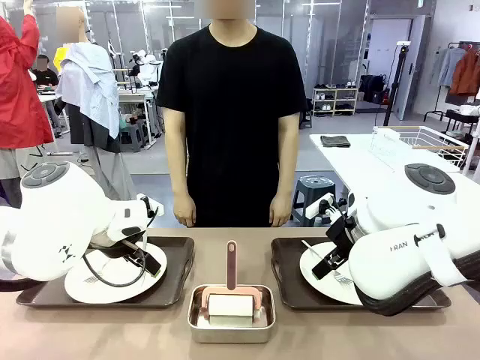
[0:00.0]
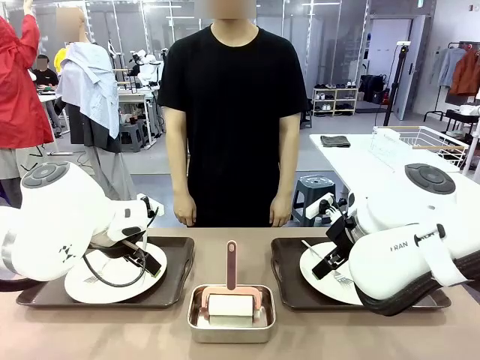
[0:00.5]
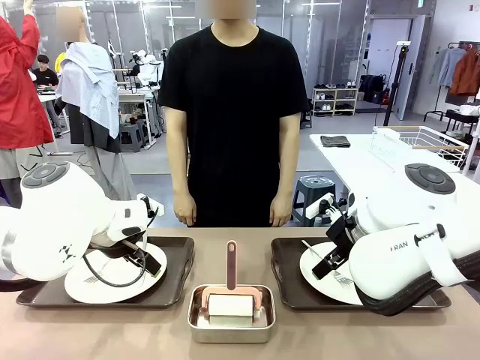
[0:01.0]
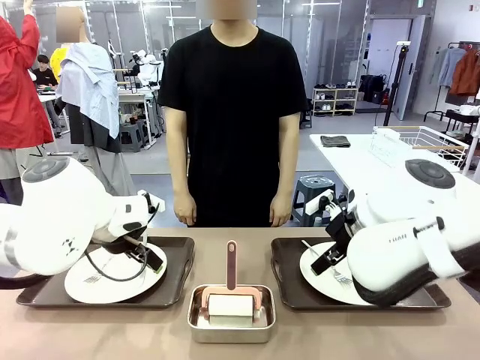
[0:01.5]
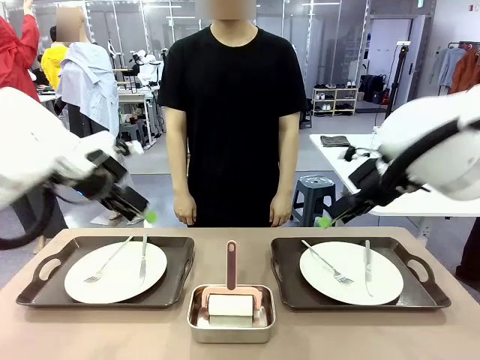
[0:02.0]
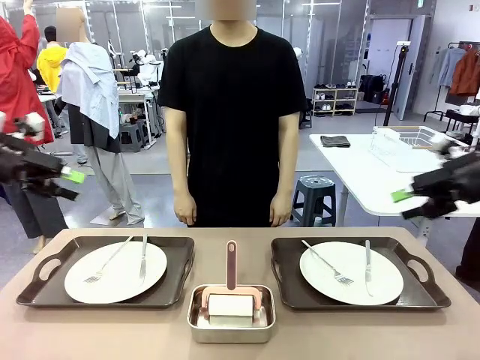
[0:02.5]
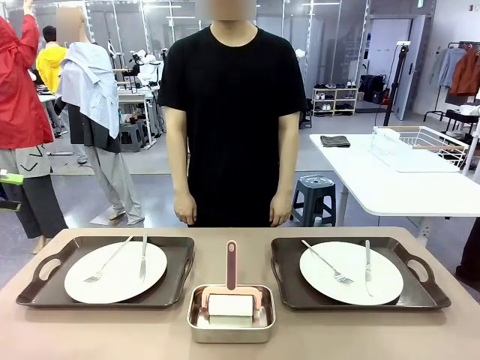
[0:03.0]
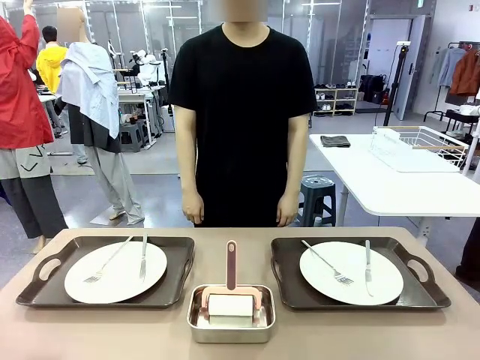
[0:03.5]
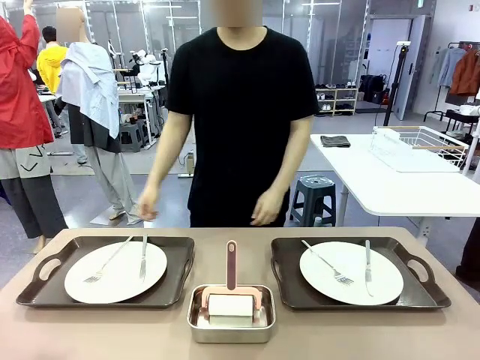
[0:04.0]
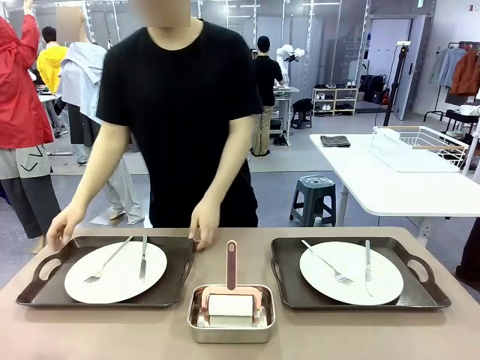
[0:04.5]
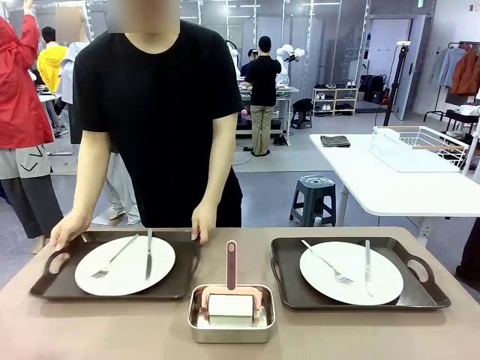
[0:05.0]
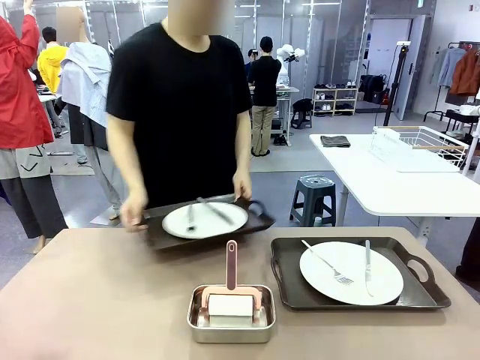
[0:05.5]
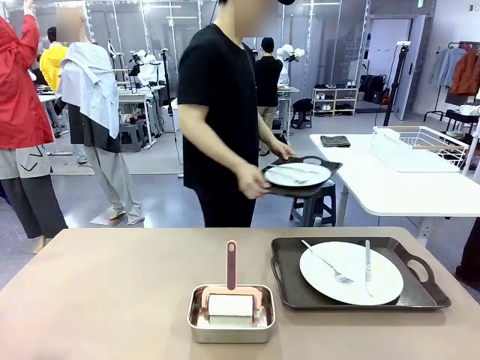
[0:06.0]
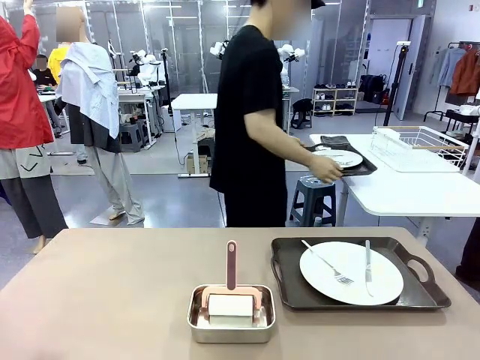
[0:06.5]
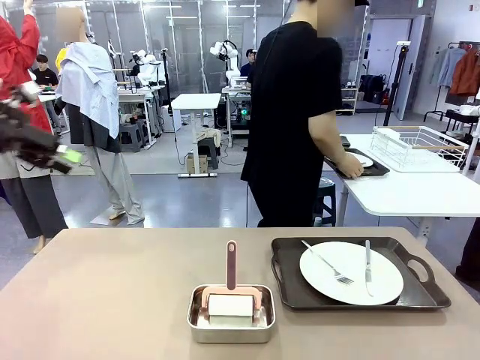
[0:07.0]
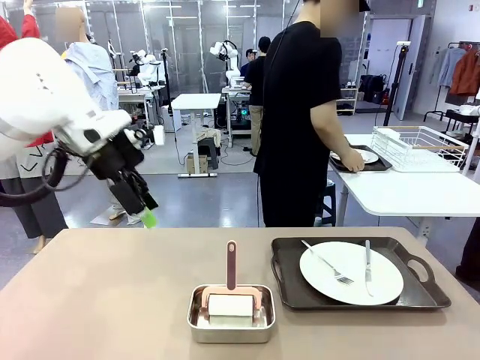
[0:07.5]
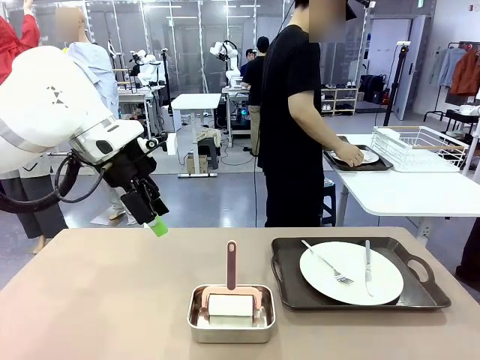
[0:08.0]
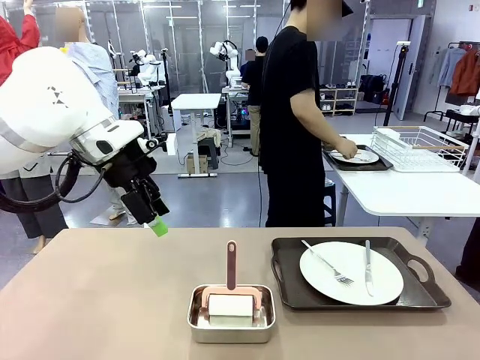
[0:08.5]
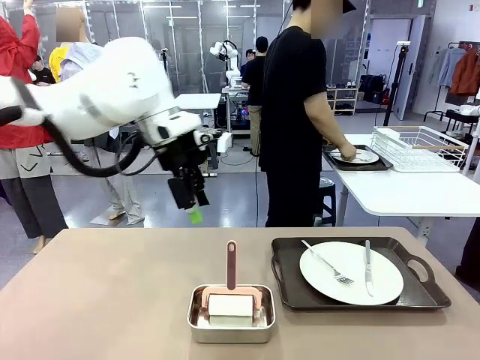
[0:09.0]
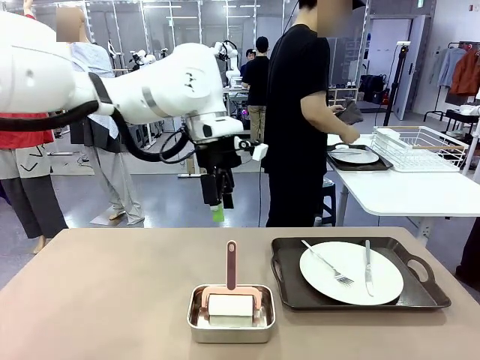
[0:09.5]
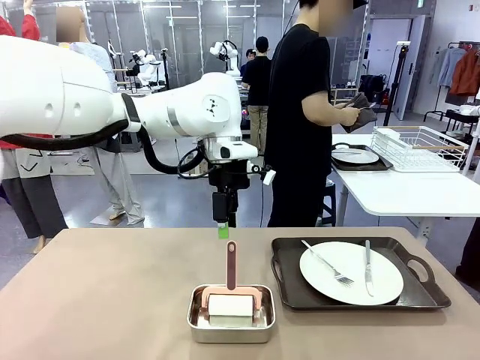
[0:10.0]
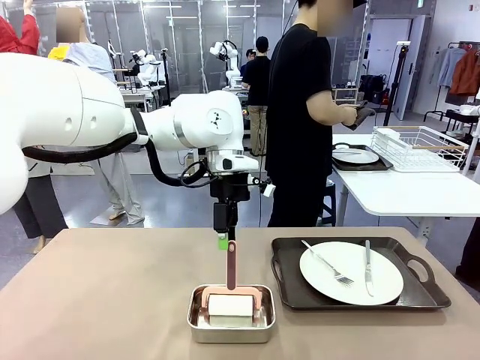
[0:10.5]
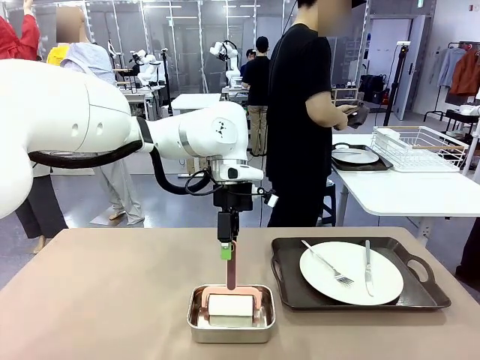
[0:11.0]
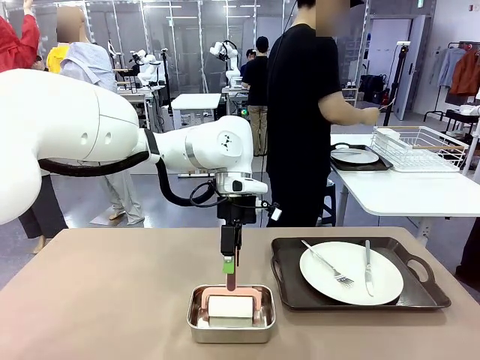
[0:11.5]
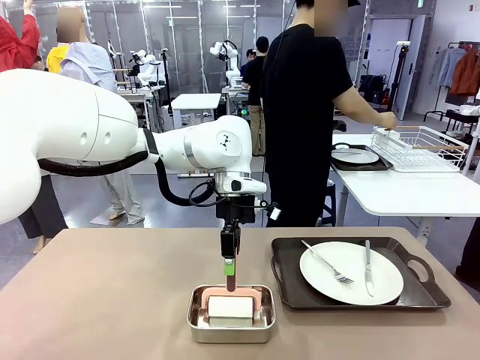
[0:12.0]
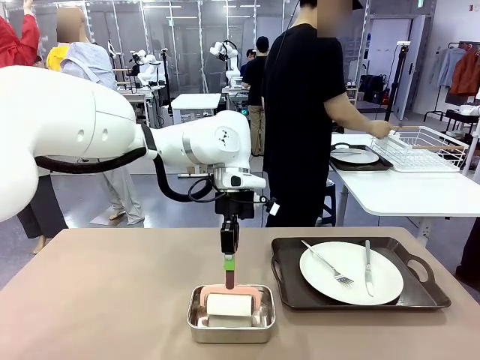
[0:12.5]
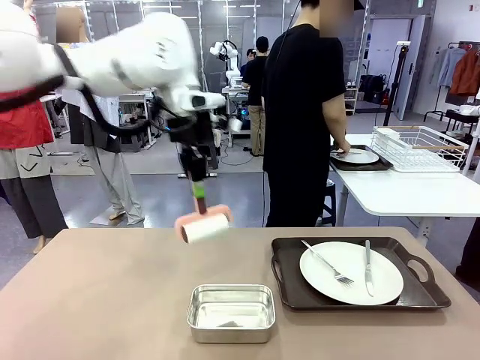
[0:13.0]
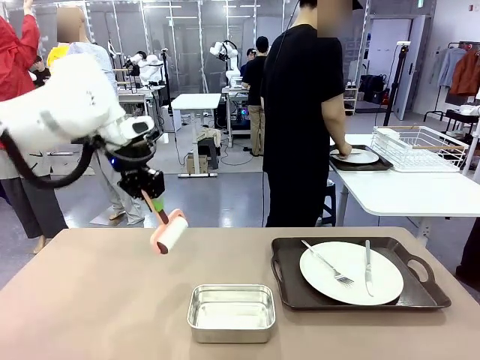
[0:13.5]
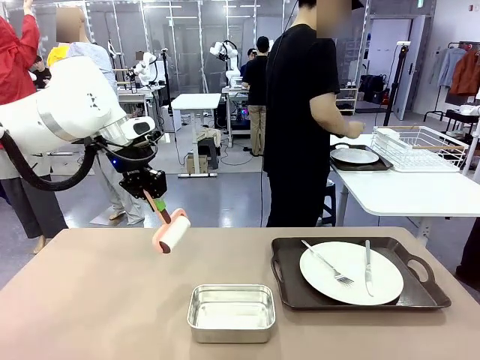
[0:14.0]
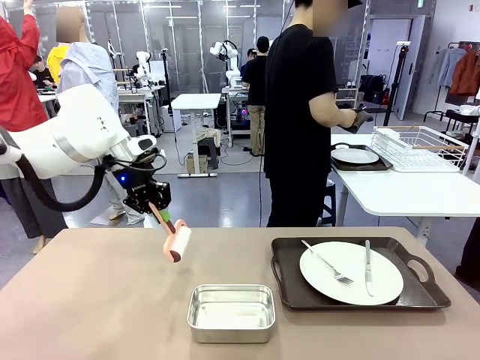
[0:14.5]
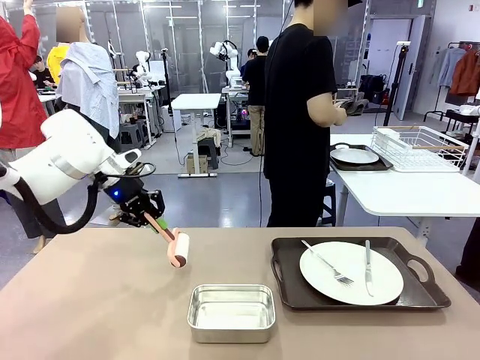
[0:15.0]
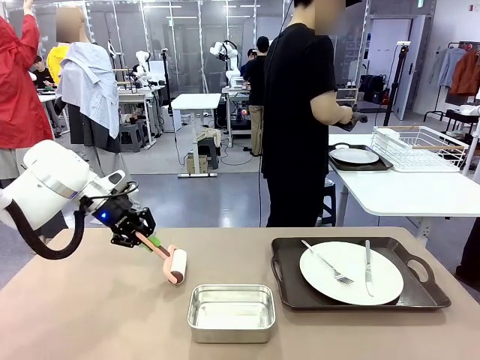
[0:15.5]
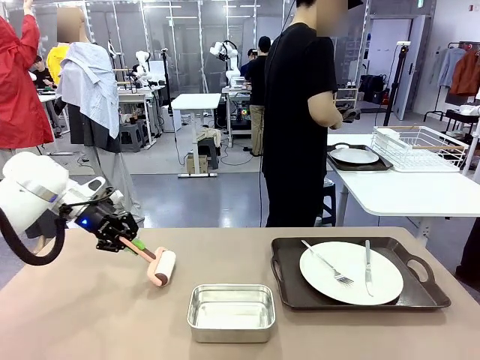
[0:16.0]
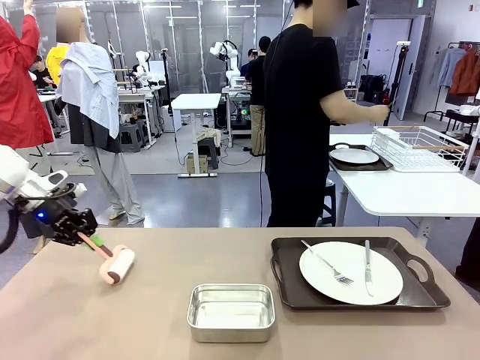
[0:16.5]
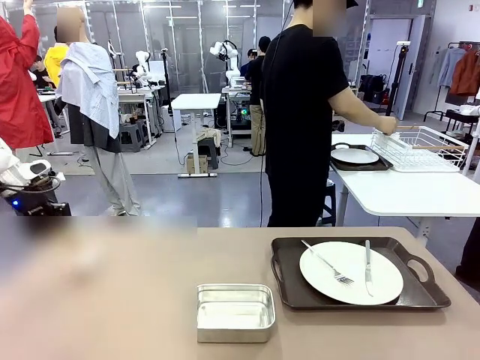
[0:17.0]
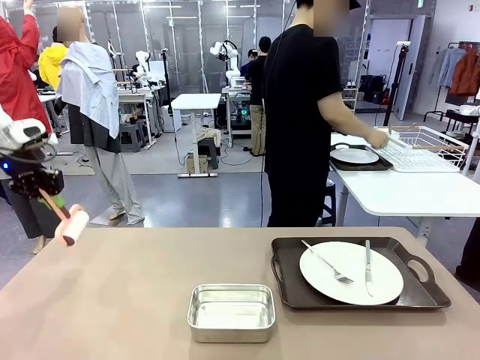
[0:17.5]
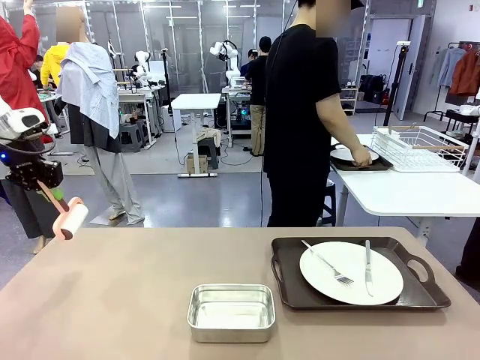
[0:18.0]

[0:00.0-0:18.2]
Robot: When the left (or right) Handle tray is removed, use the left hand (or right hand) to clean the left (or right) side of the table with the Lint Roller.
Person: Pick up the left (or right) Handle tray and place it on the middle of the Human's table. Use the Towel with hook to wipe the Plastic Matte Plate , Fork , and Knife and place into the Dish drying rack.

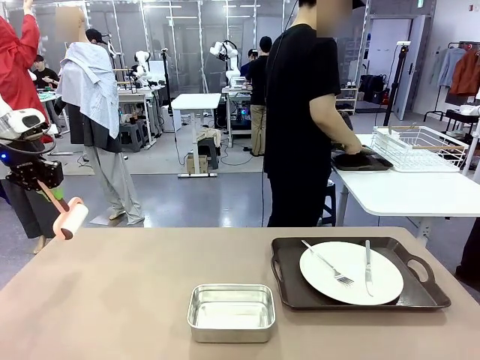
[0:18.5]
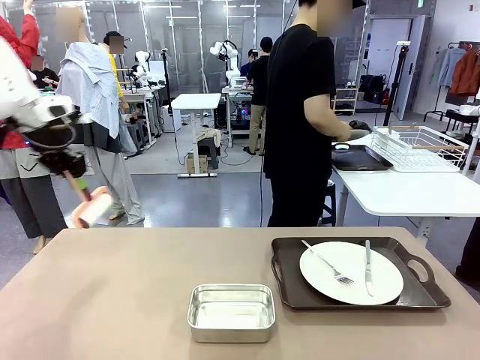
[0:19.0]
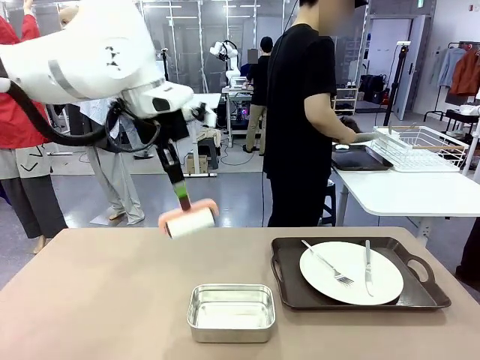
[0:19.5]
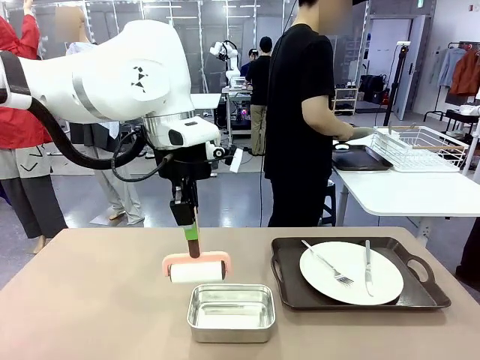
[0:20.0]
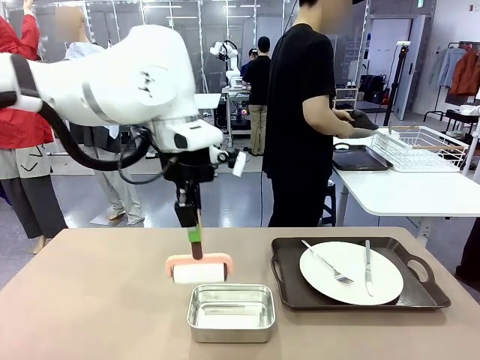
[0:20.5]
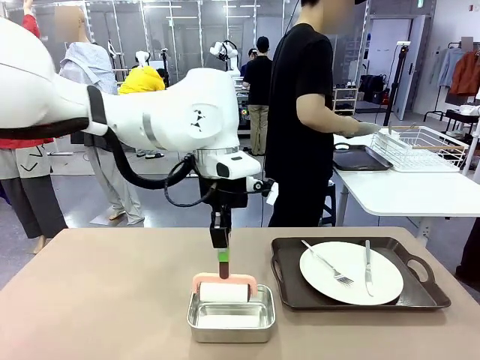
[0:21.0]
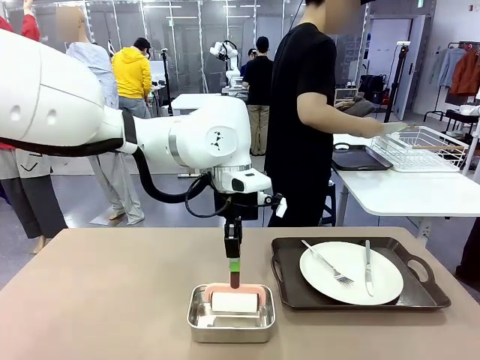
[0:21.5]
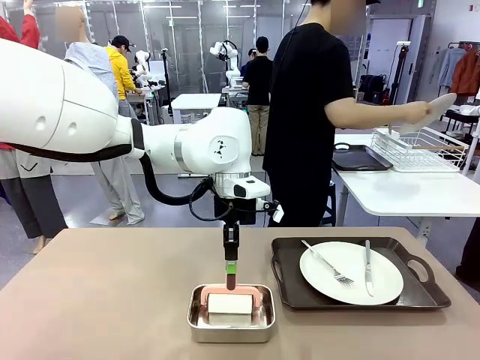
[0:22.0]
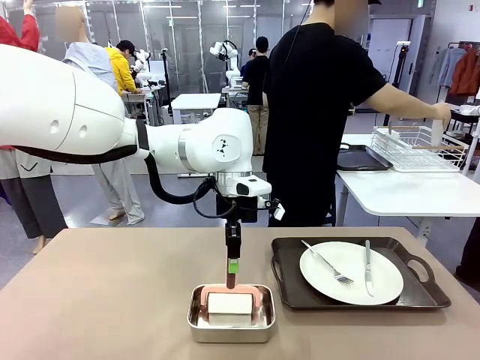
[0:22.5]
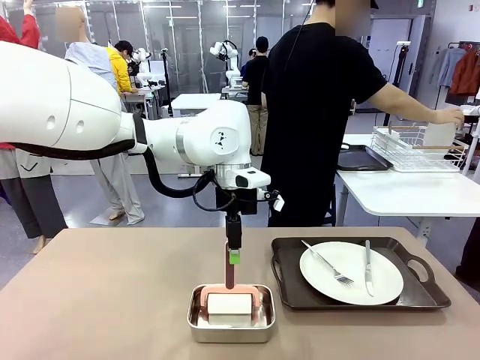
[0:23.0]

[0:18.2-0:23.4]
Robot: Place the Lint Roller back on top of the Airtight Container.
